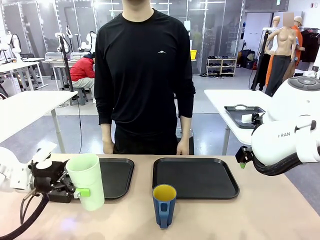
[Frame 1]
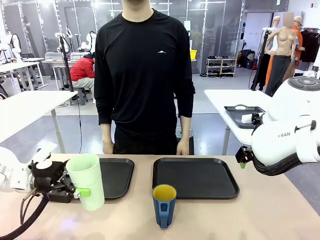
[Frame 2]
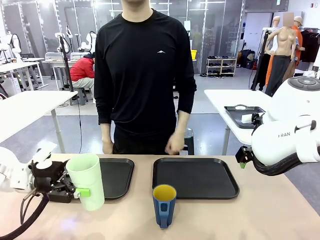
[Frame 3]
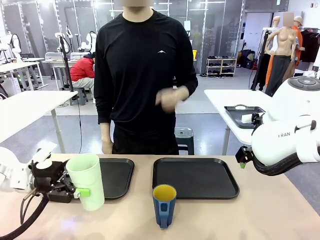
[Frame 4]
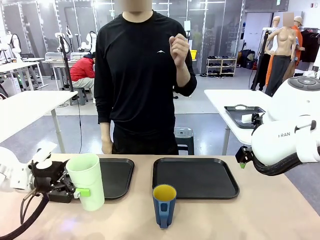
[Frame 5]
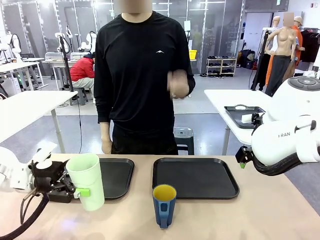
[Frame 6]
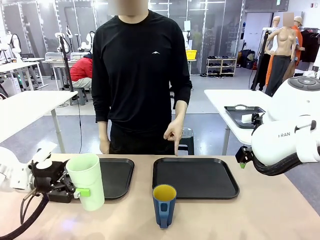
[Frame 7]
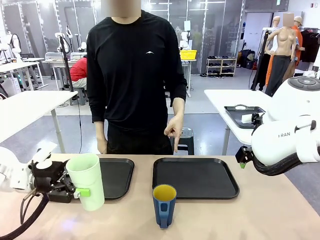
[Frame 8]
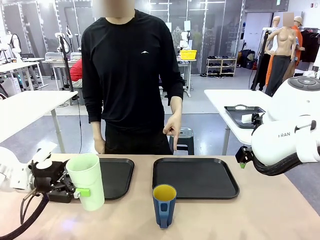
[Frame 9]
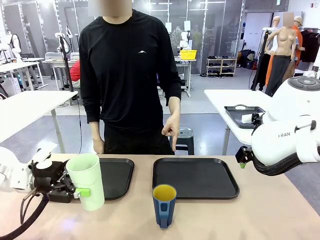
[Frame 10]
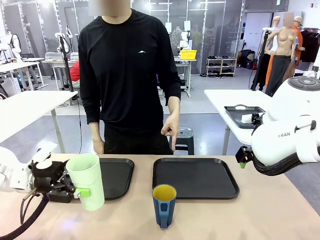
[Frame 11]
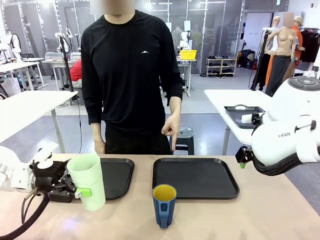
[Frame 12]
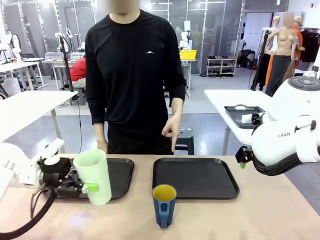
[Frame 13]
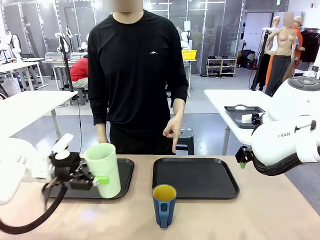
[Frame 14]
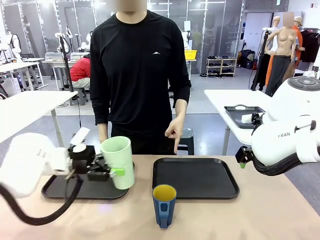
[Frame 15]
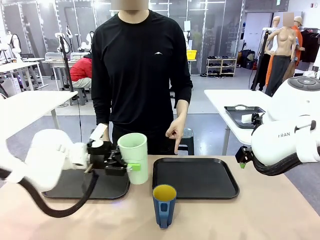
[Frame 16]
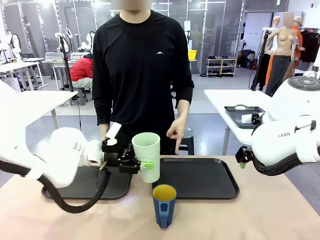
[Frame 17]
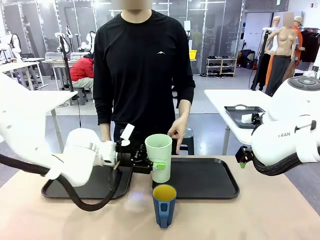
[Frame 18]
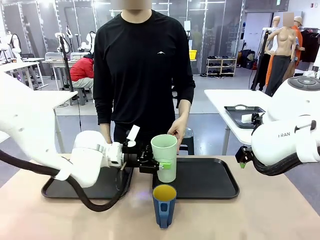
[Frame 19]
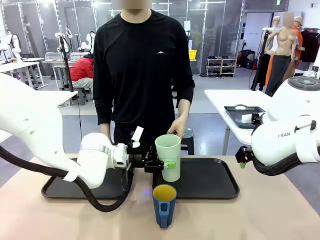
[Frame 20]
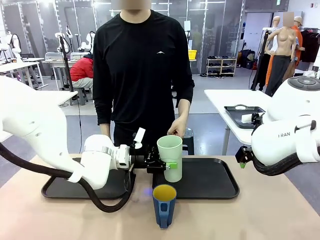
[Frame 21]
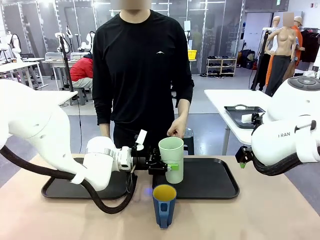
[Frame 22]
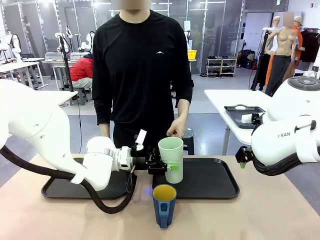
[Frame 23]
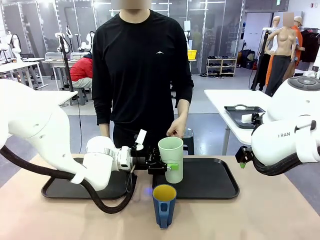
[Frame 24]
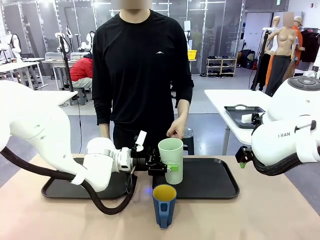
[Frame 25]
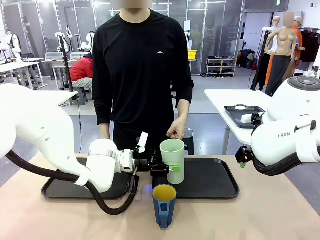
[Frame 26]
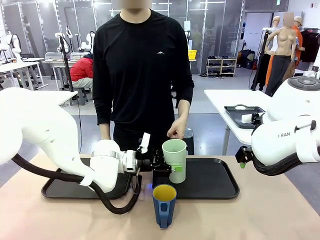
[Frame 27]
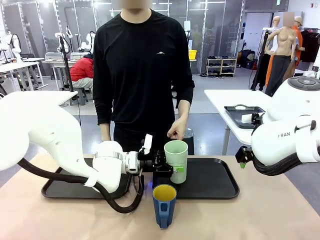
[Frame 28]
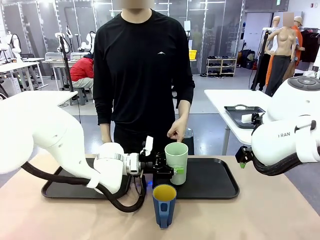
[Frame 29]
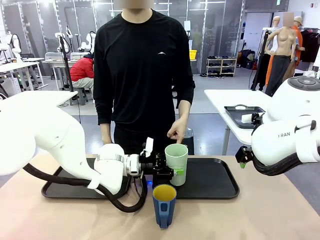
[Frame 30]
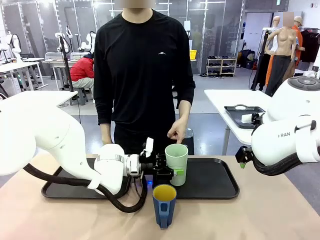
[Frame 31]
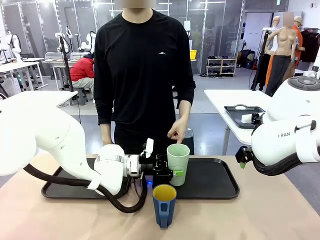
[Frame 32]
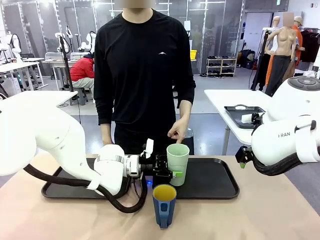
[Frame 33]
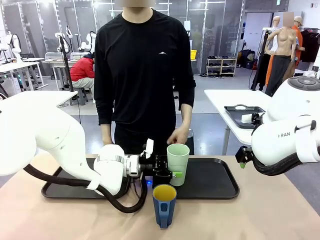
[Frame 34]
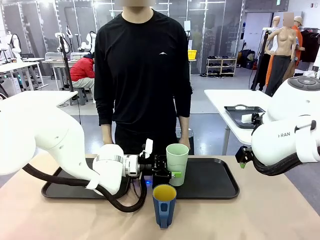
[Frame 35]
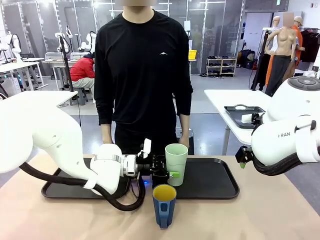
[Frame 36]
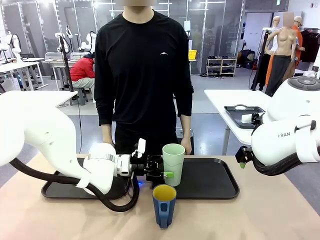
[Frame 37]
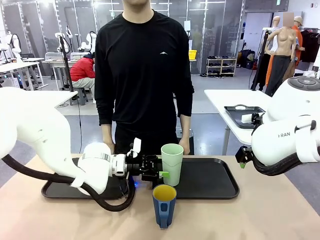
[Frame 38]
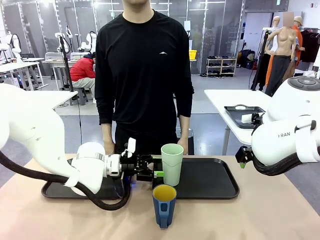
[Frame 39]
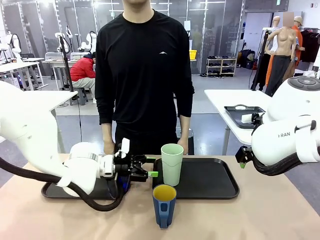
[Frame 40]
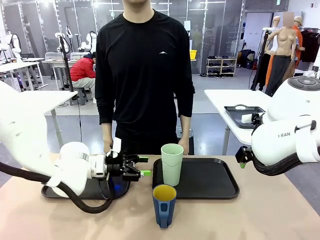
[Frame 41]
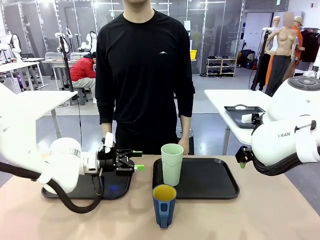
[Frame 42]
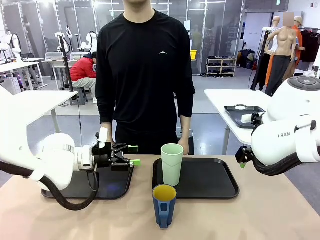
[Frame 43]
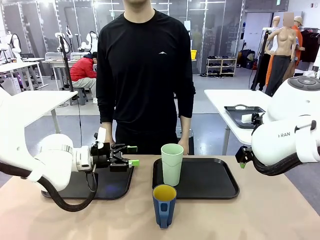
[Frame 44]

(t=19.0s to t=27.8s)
Task: Sort and store the cups by type.
Robot: Place the picked Reusable plastic cup into the Flat Tray indicated by the person.

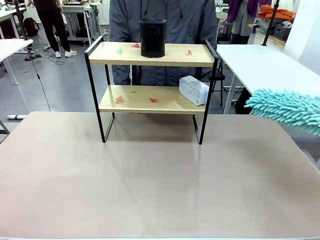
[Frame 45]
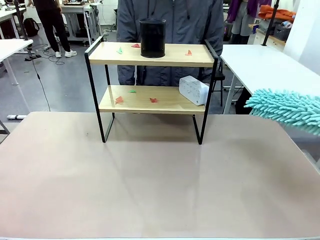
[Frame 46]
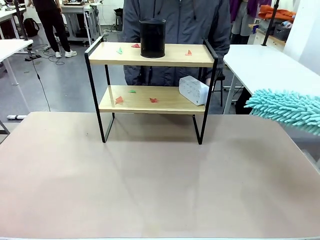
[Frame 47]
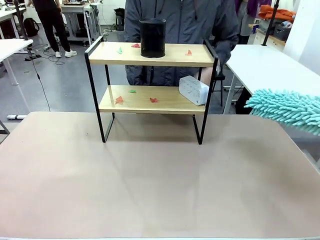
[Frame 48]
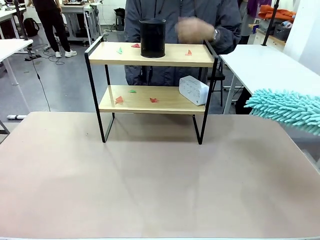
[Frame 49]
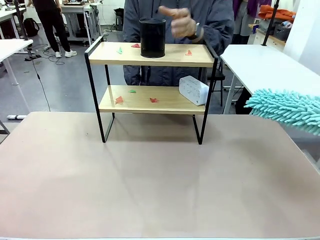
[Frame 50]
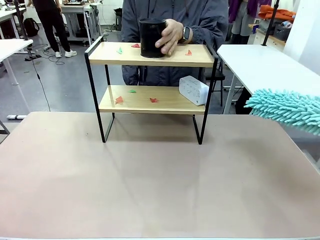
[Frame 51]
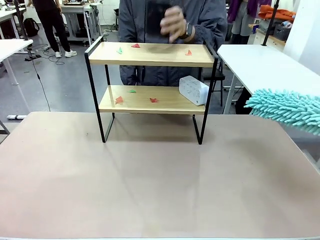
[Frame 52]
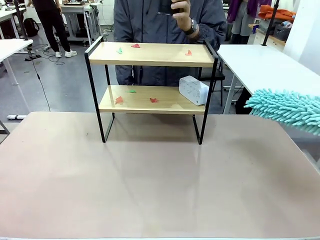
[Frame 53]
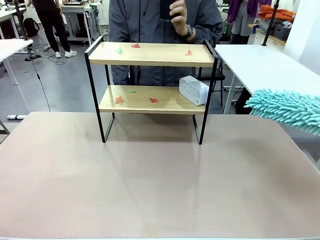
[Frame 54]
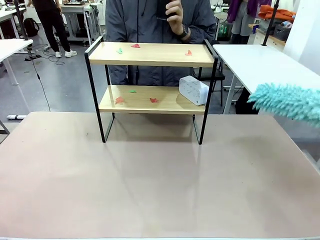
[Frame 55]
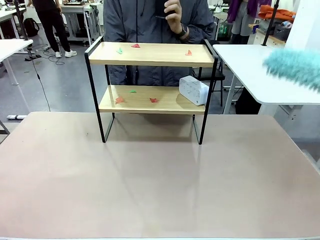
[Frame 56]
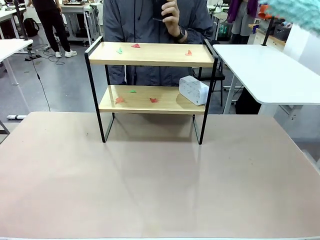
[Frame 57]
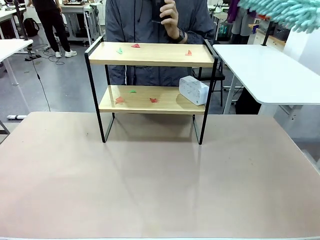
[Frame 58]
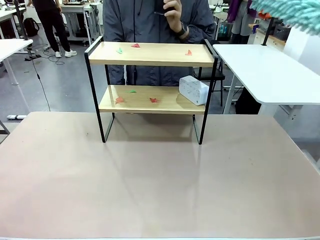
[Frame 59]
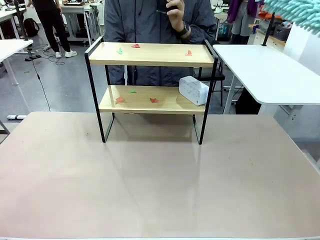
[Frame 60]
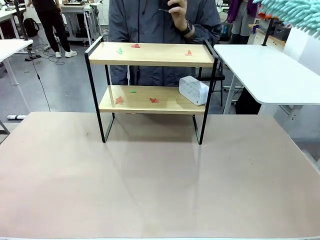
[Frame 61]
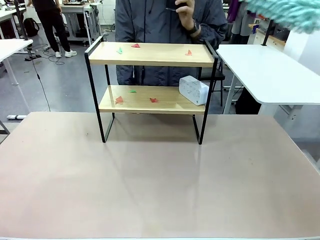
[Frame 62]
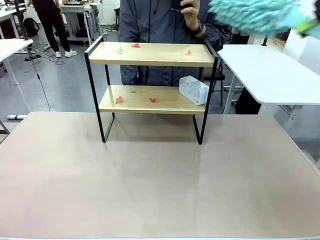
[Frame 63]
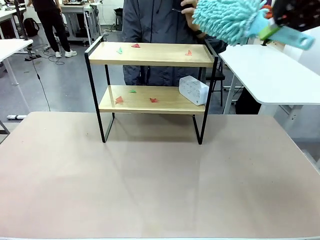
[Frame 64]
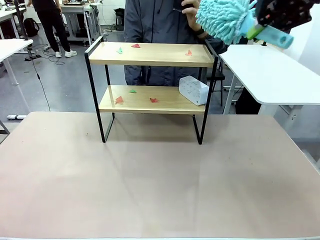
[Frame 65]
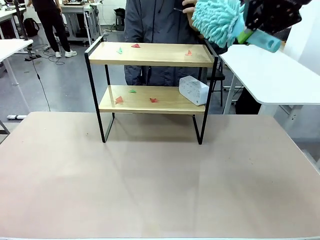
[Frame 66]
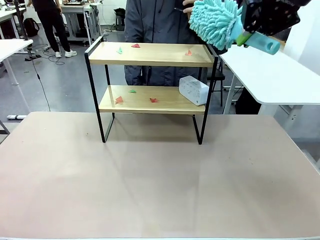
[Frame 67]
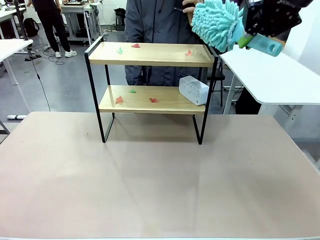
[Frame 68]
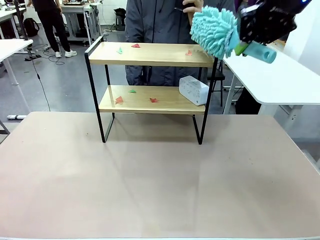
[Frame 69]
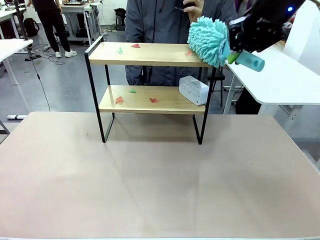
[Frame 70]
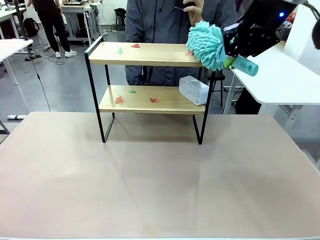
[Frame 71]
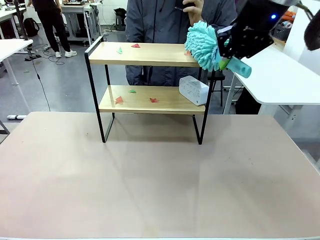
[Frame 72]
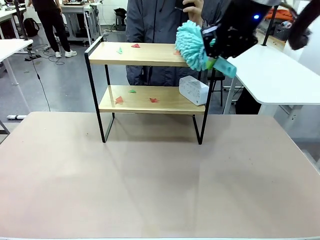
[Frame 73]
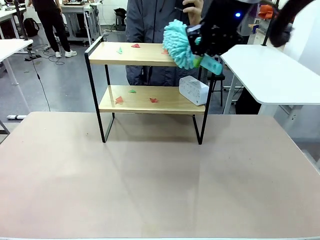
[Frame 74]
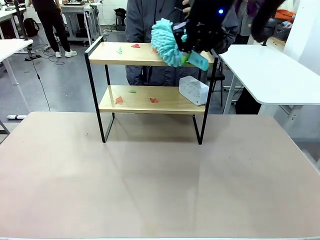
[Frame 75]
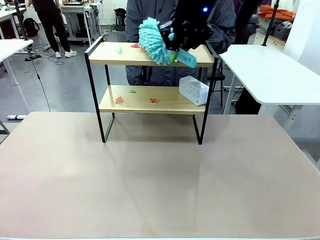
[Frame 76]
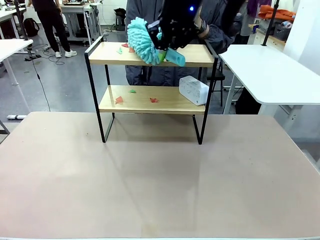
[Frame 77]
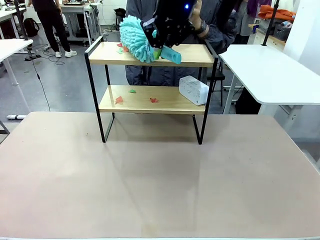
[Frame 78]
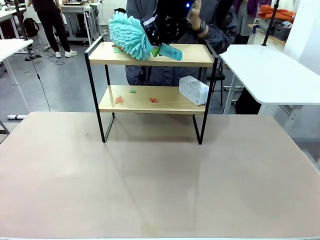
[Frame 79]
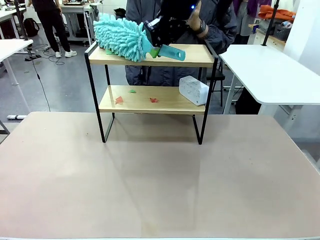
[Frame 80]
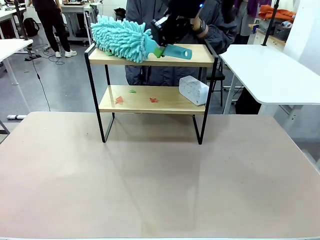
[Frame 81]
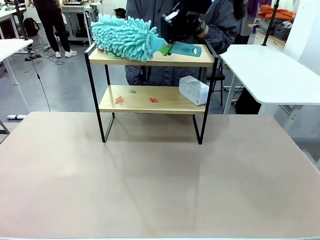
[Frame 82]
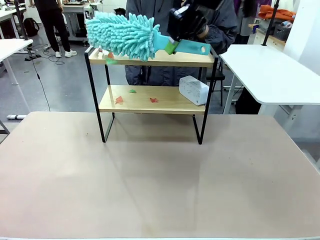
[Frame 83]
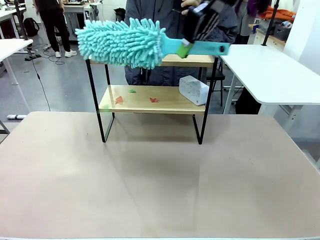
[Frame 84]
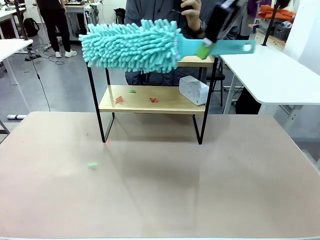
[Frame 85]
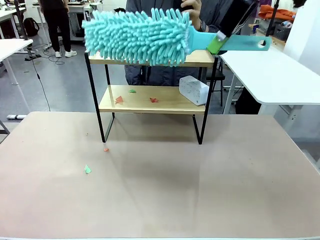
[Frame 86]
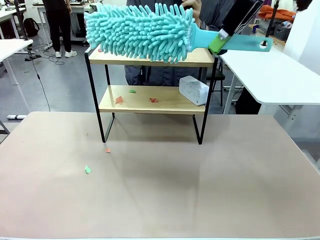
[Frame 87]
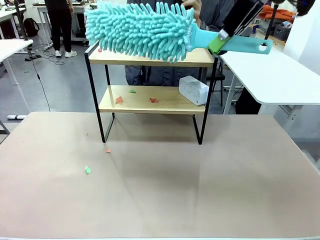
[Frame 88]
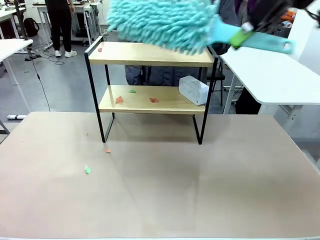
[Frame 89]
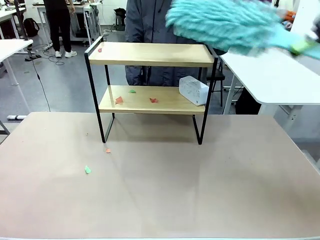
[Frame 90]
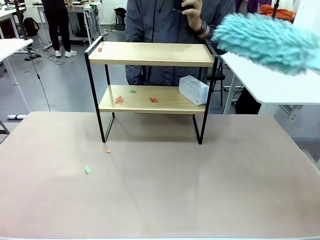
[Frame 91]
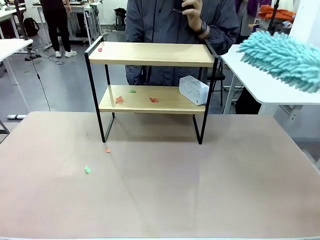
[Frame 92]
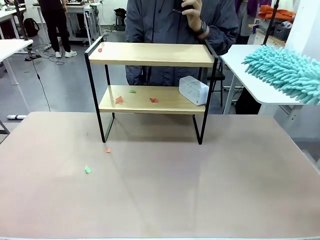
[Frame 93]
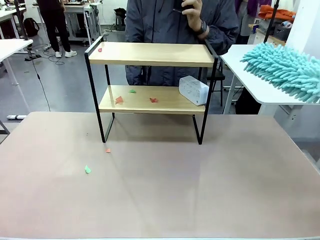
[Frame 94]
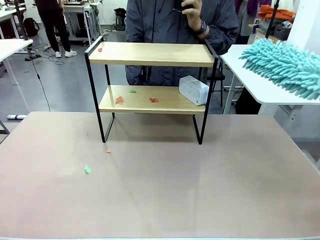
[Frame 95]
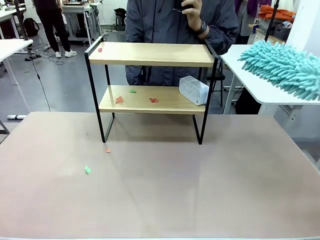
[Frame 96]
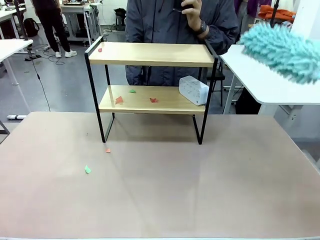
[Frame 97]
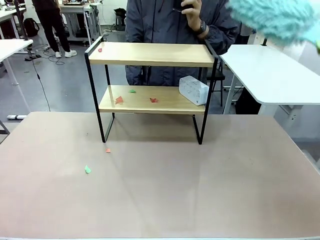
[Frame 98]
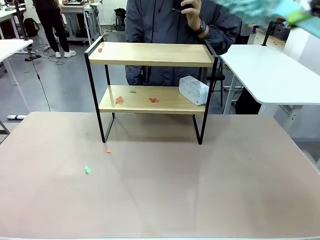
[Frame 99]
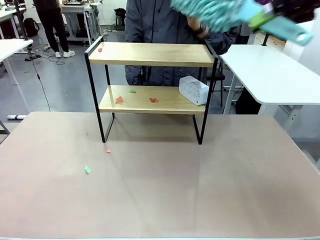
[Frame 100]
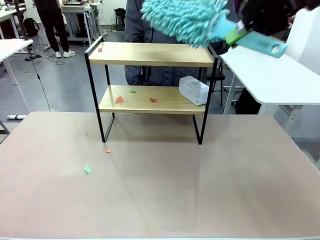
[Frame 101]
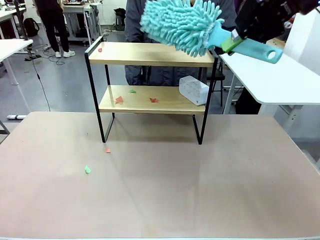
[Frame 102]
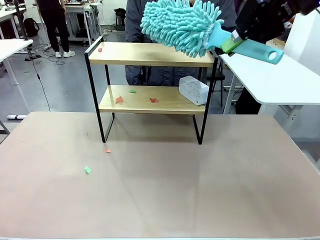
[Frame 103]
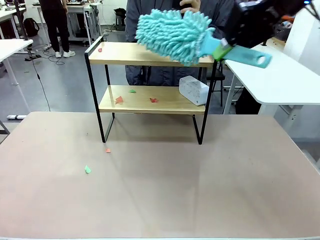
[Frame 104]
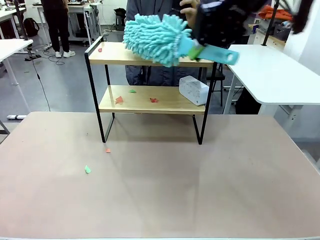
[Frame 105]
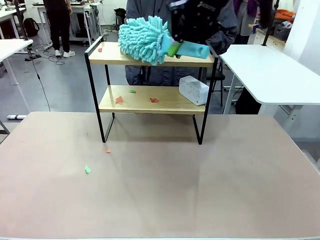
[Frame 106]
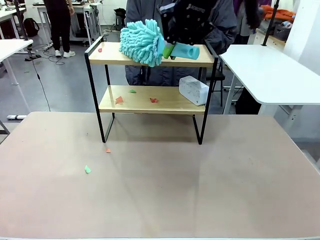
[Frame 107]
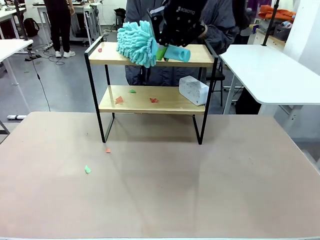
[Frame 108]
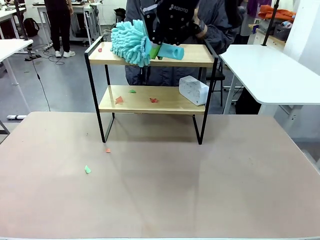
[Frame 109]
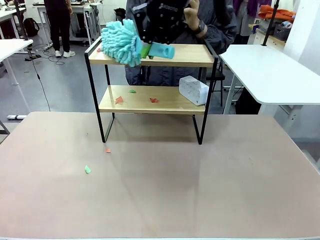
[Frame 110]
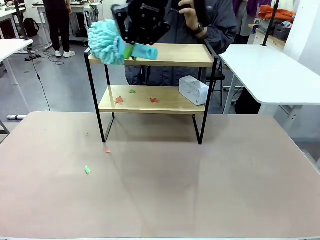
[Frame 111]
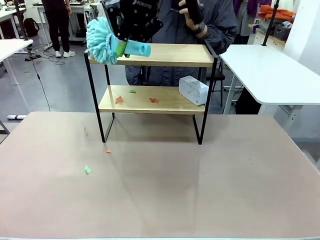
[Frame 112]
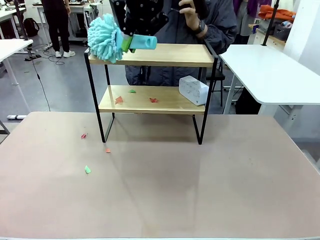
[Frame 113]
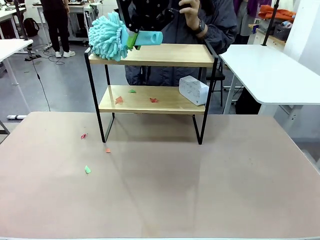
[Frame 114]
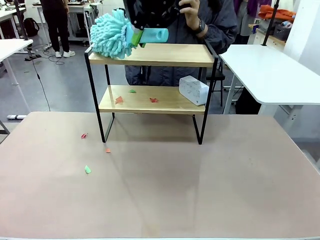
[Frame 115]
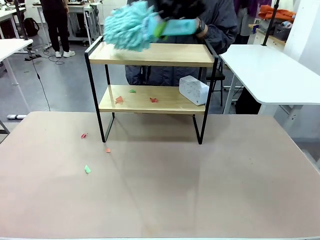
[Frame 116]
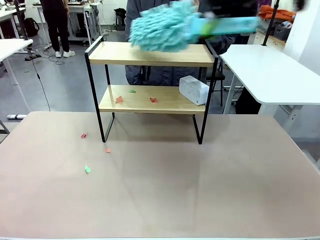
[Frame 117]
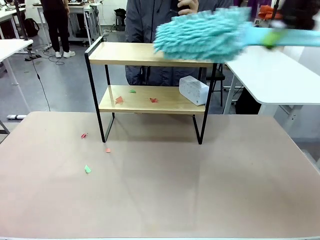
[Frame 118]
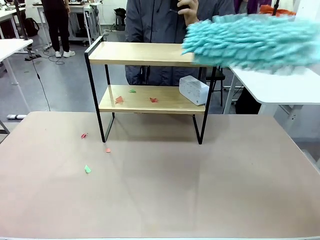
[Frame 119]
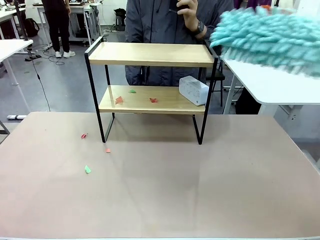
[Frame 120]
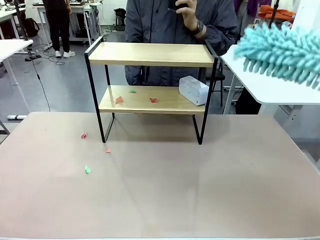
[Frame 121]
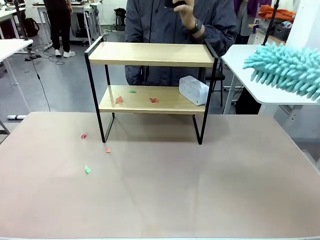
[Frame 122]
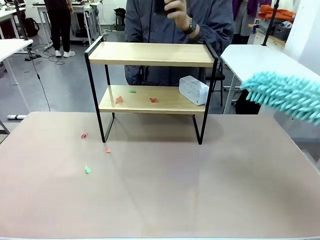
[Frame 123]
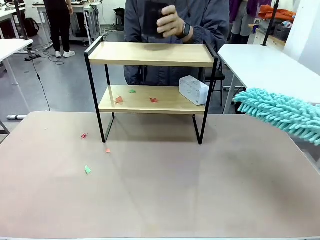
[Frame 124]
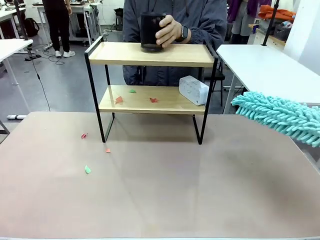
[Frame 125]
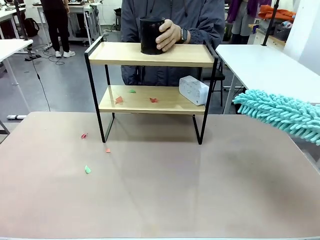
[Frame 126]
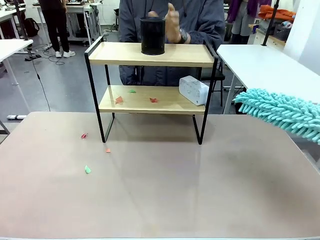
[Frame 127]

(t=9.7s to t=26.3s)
Task: Clean the shelf.
Robot: Clean the specific tier of the Shelf with the Duster once objects are removed.
Person: Lift the objects on a randomly selected tier of the Shelf. Once the robot finishes cleaning, lift the objects on the remaining tiers of the Shelf.
